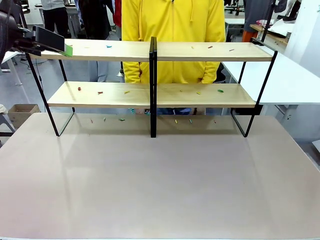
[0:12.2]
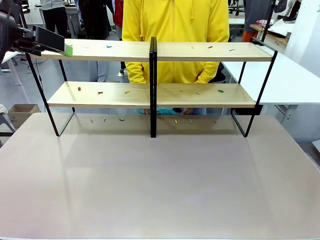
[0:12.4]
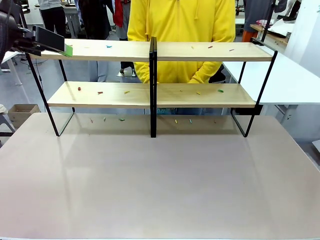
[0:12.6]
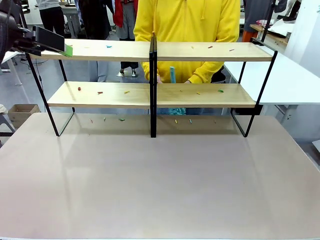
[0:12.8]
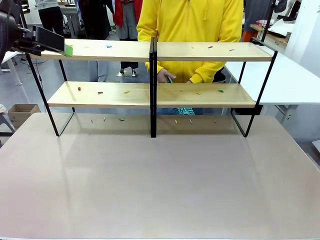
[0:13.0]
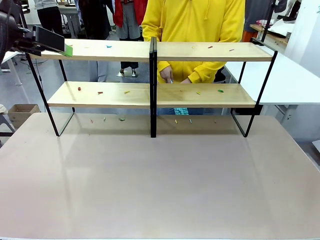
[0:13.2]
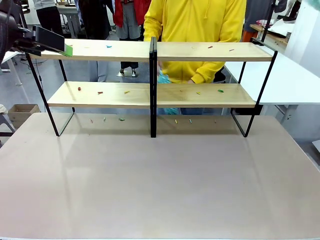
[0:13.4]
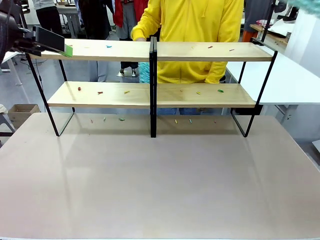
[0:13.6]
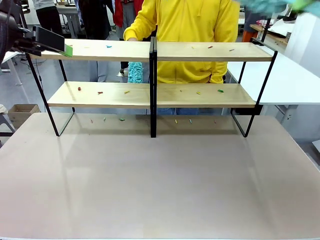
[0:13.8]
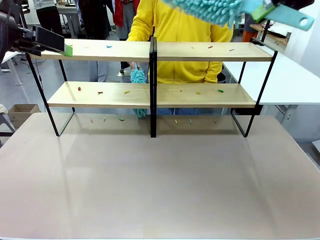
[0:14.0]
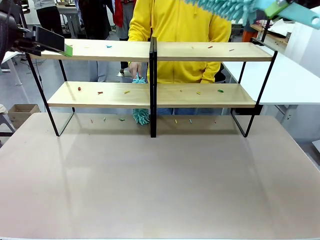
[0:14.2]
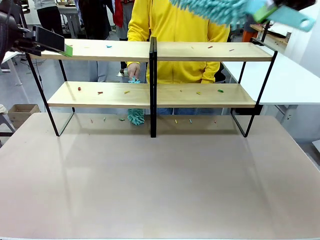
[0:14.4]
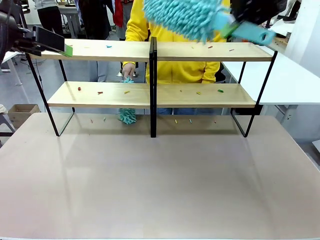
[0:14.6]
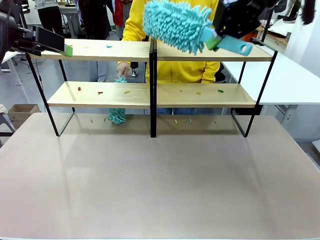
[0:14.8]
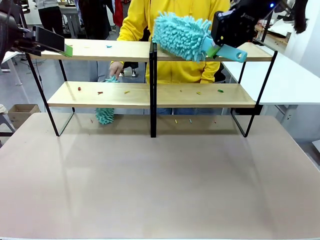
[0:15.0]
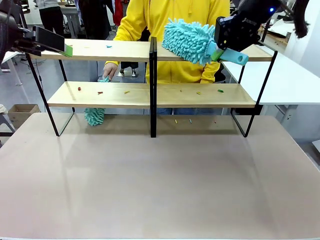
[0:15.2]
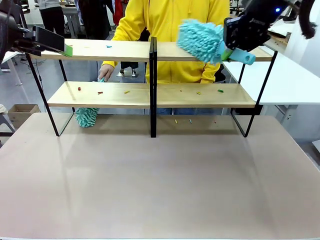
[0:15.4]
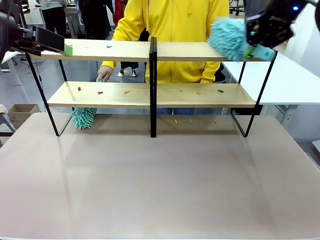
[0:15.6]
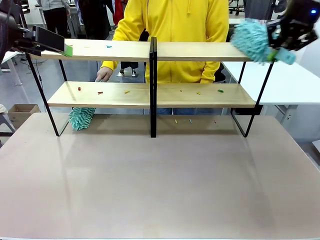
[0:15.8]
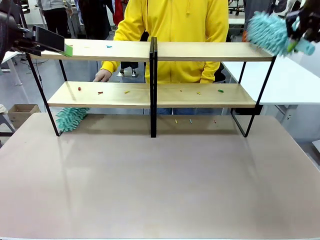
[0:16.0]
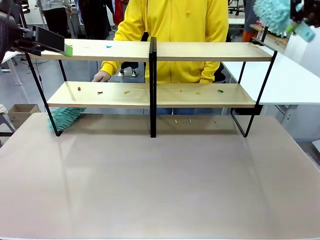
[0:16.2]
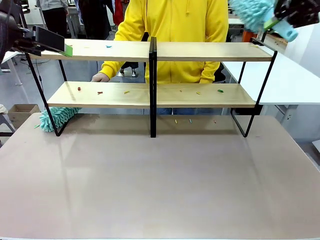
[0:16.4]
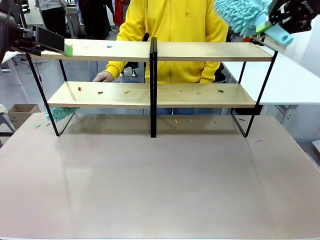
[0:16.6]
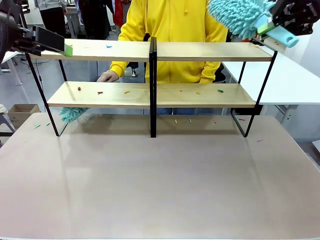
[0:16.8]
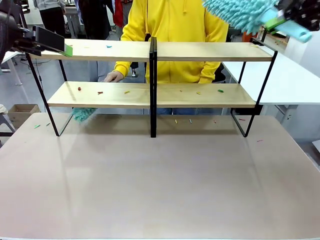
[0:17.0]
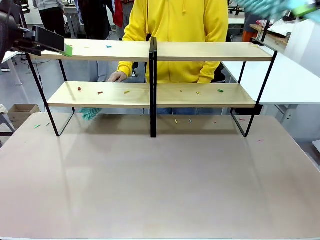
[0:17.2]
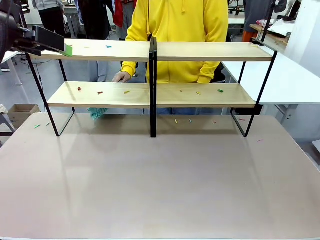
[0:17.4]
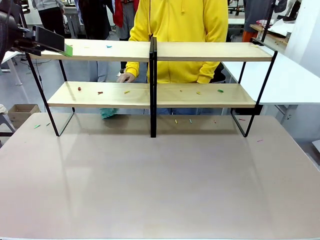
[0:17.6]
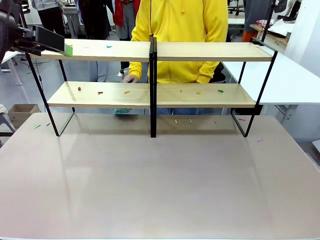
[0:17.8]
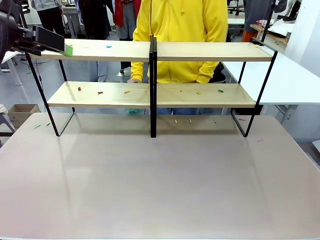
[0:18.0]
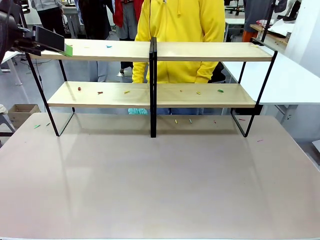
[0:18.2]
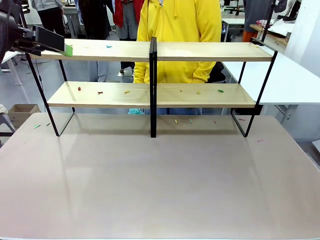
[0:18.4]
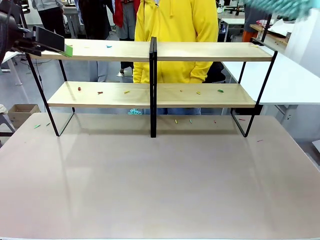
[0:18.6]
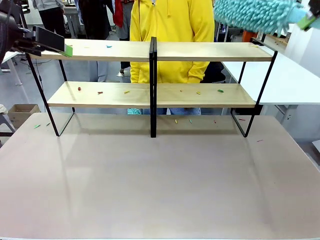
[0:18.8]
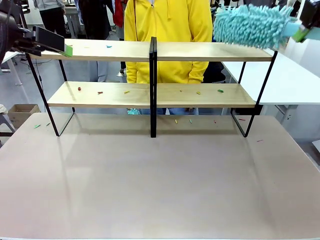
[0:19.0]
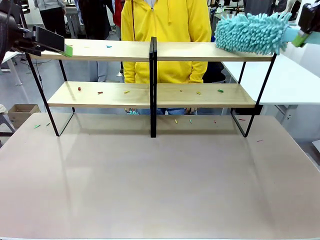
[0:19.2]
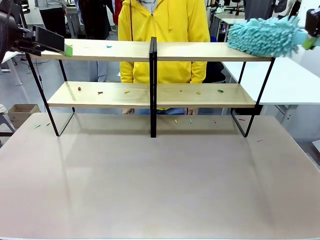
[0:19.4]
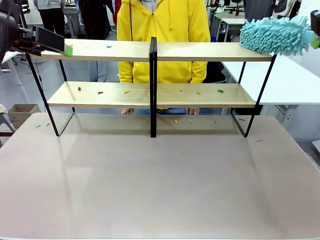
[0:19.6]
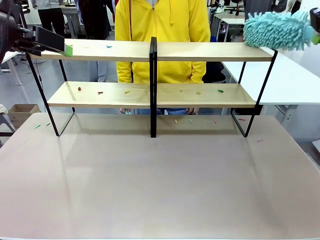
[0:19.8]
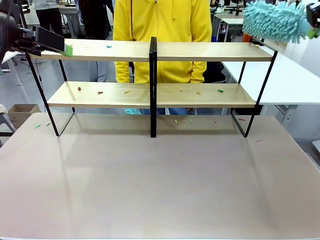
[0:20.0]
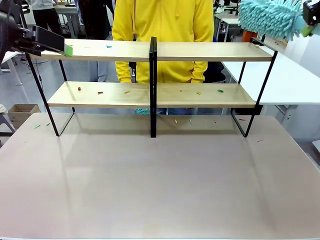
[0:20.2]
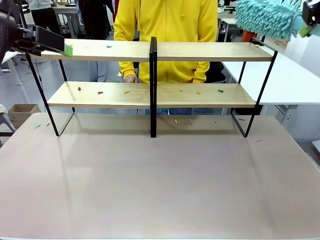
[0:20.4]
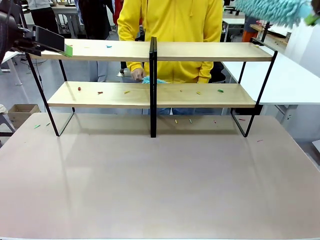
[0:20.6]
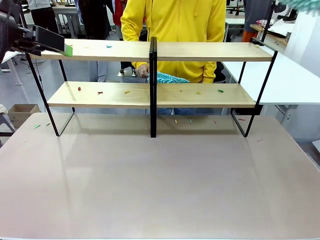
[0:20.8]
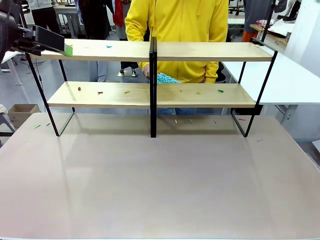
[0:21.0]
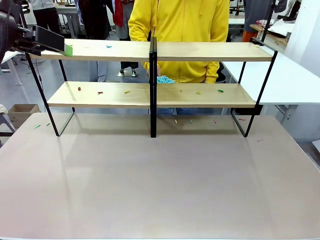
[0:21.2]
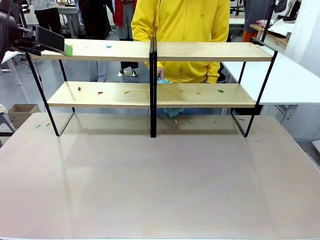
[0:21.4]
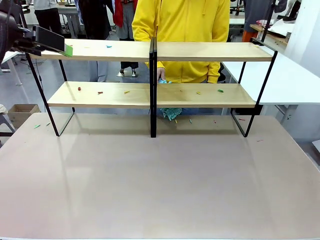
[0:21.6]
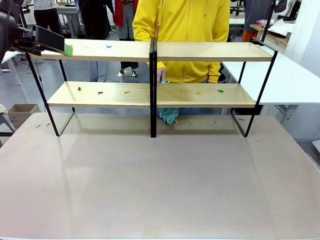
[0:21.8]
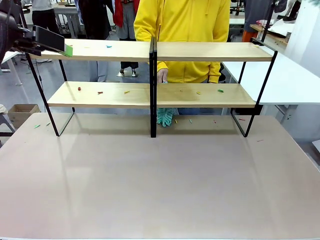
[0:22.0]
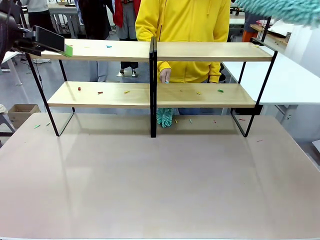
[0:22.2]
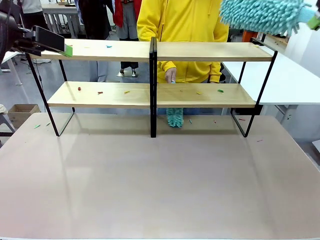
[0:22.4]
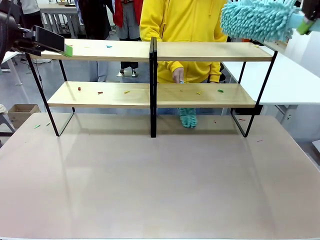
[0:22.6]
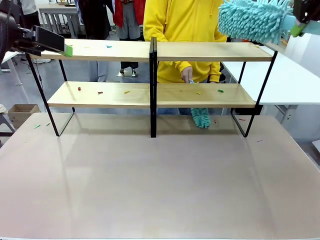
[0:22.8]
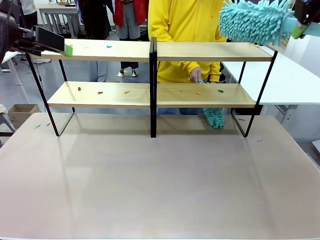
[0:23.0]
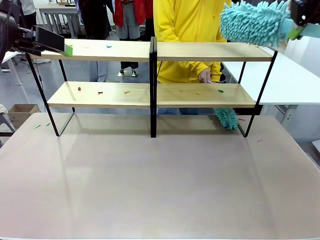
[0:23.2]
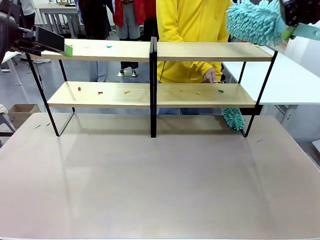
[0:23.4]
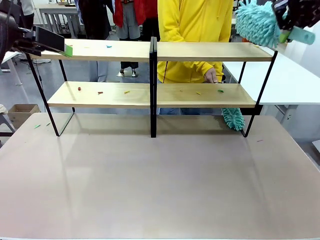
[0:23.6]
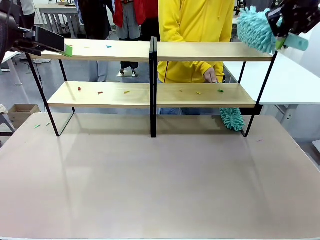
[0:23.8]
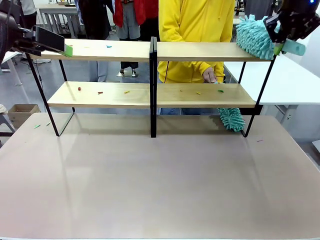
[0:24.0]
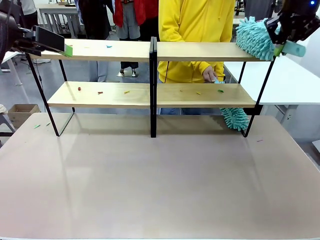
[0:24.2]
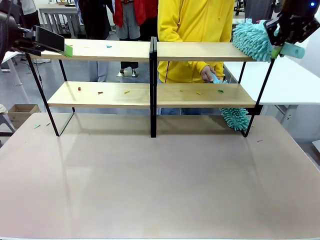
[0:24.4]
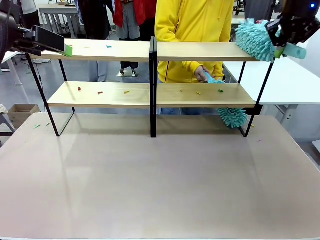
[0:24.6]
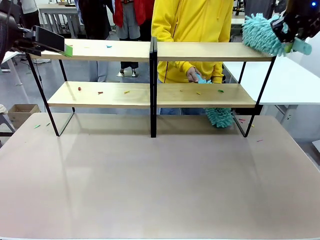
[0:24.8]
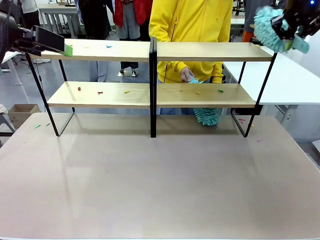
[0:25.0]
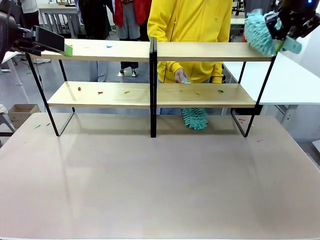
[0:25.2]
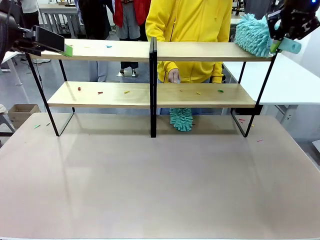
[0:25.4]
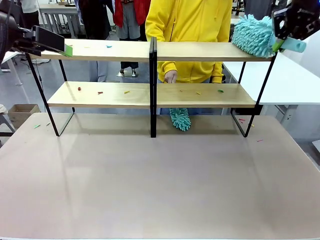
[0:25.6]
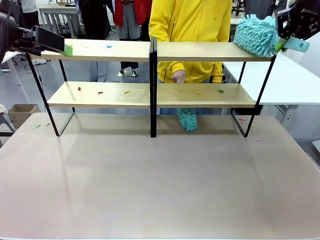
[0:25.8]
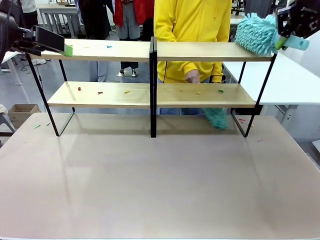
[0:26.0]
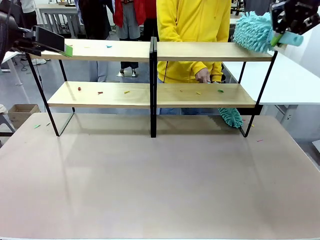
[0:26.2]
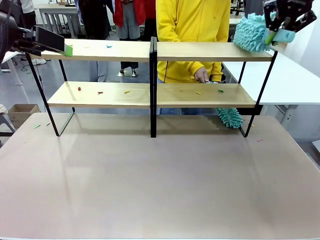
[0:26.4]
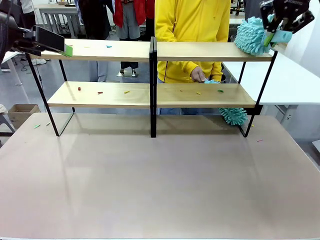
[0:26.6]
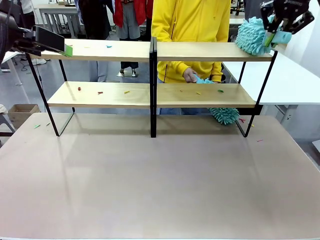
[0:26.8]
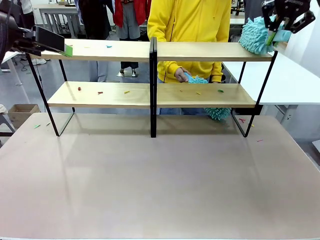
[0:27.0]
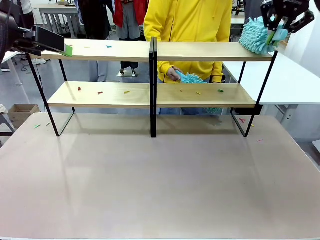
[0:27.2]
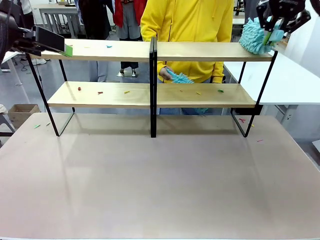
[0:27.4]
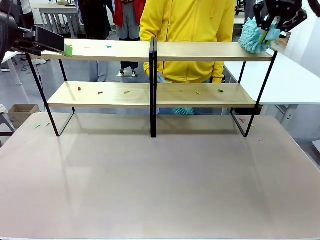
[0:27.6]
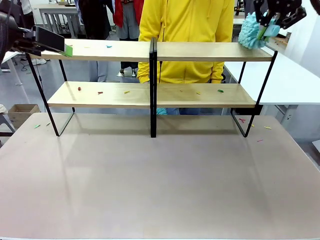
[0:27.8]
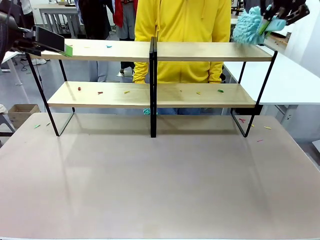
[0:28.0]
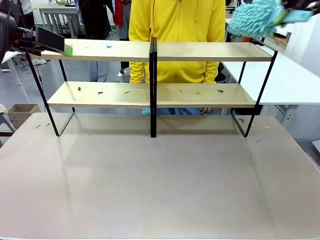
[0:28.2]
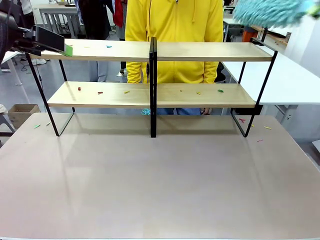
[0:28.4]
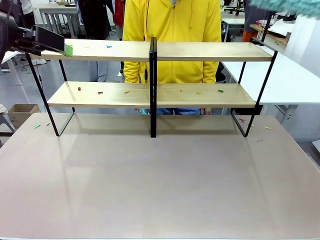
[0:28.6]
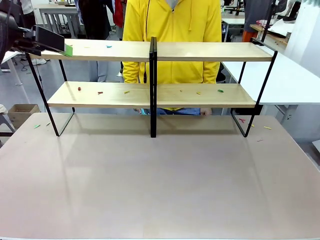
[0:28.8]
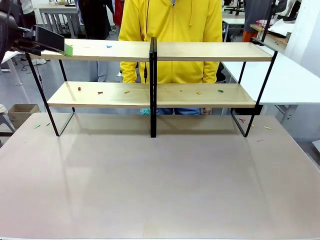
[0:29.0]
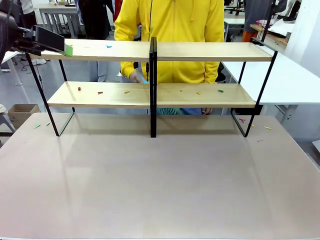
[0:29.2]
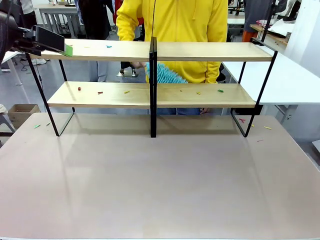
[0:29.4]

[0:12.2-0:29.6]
Task: Clean the shelves.
Robot: Clean a randomly selected level of the Shelf with the Duster.
Person: Clean a randomly selected level of the Shelf with the Duster.
